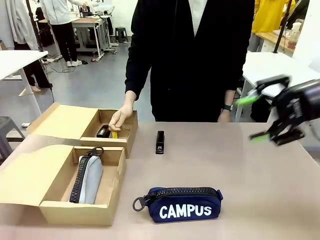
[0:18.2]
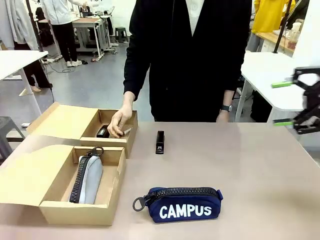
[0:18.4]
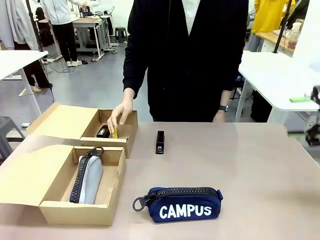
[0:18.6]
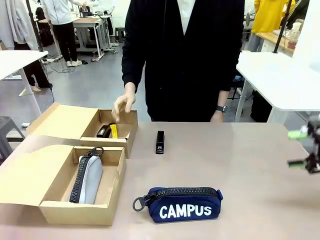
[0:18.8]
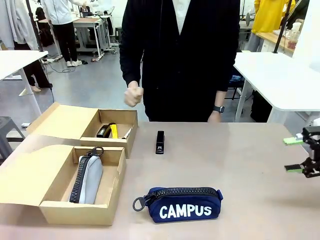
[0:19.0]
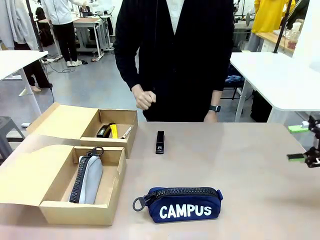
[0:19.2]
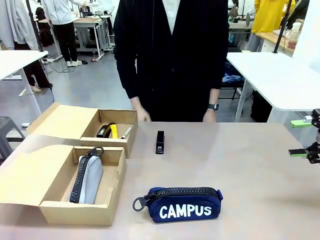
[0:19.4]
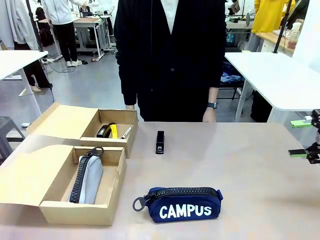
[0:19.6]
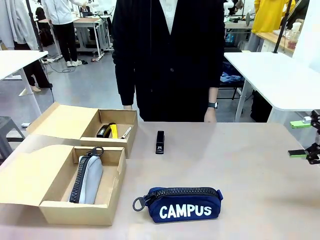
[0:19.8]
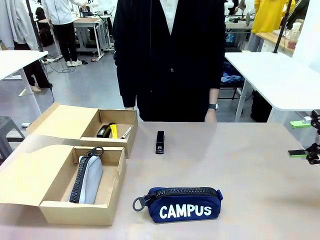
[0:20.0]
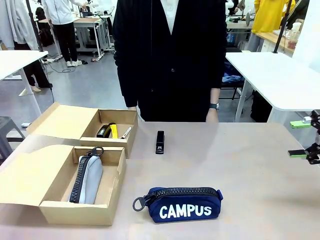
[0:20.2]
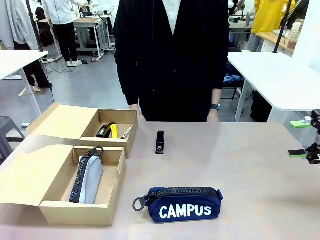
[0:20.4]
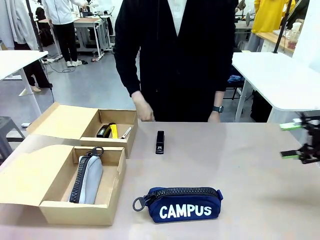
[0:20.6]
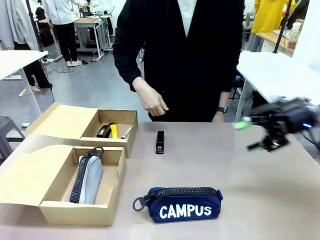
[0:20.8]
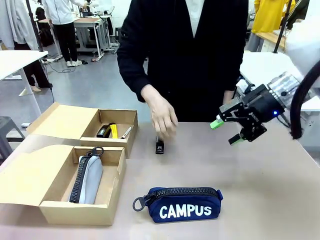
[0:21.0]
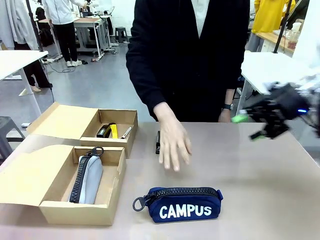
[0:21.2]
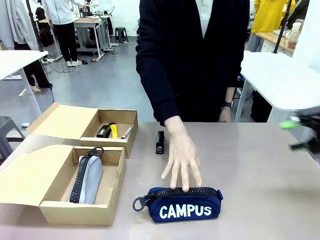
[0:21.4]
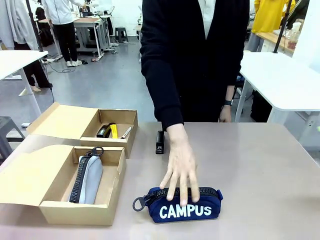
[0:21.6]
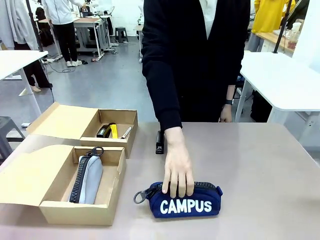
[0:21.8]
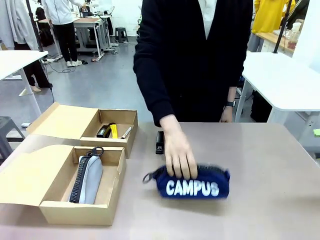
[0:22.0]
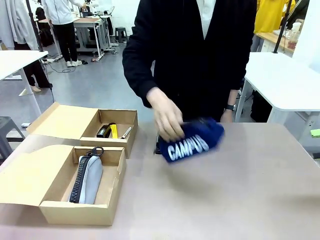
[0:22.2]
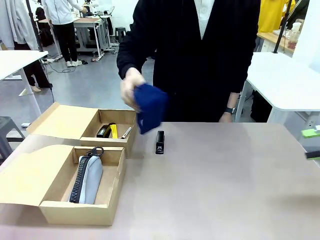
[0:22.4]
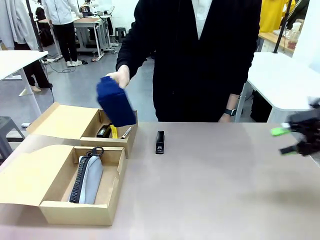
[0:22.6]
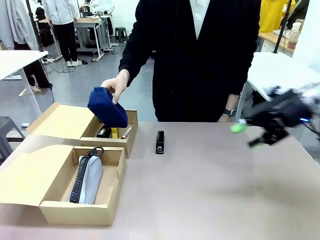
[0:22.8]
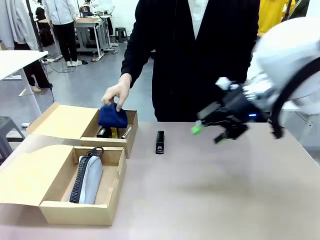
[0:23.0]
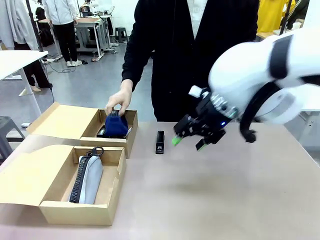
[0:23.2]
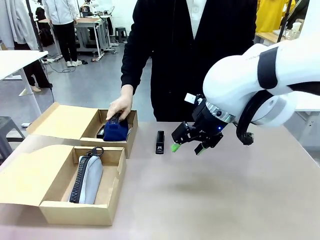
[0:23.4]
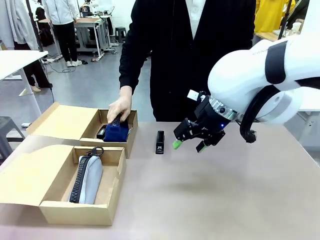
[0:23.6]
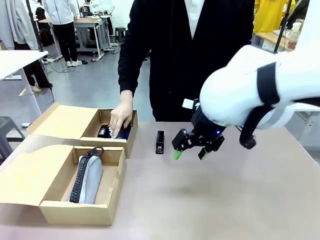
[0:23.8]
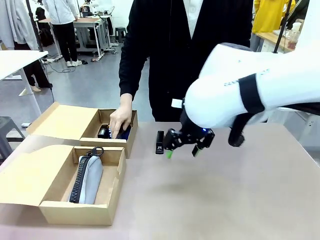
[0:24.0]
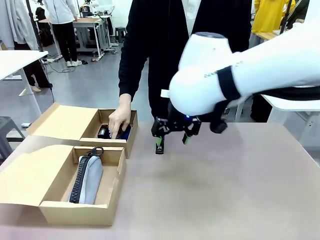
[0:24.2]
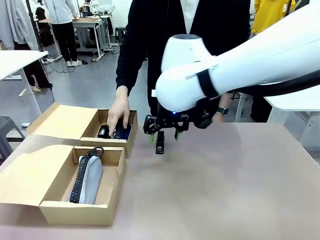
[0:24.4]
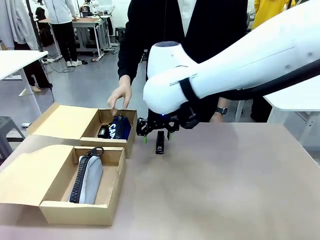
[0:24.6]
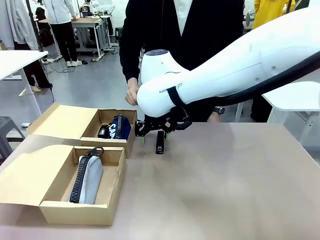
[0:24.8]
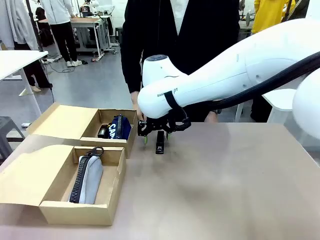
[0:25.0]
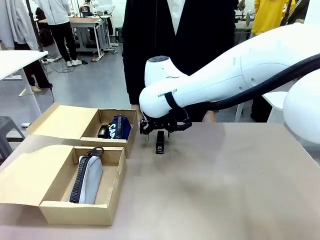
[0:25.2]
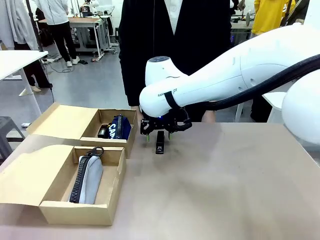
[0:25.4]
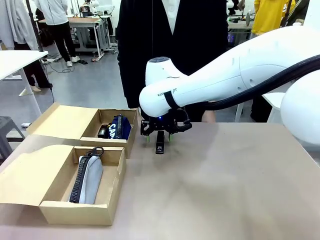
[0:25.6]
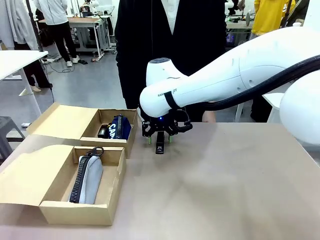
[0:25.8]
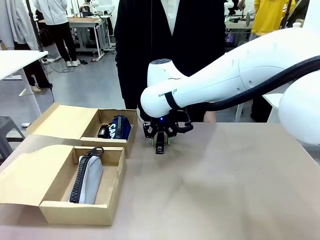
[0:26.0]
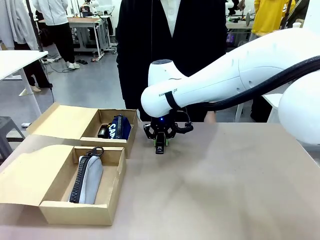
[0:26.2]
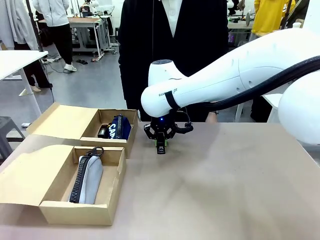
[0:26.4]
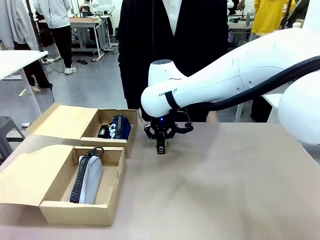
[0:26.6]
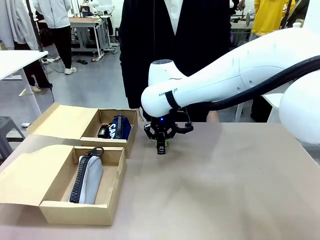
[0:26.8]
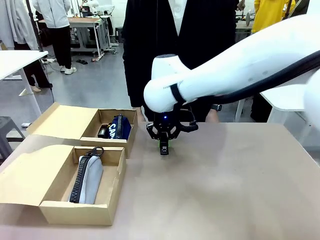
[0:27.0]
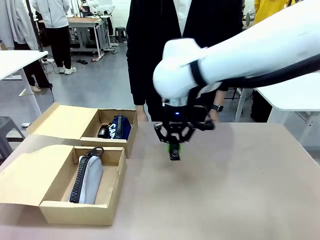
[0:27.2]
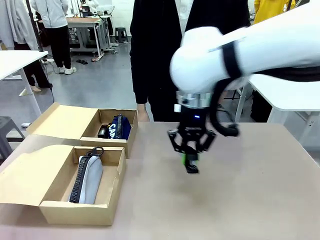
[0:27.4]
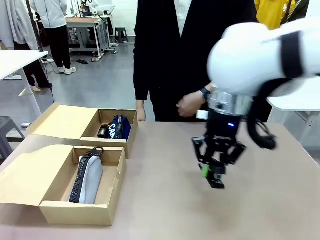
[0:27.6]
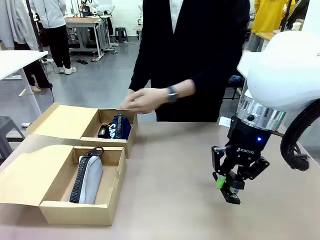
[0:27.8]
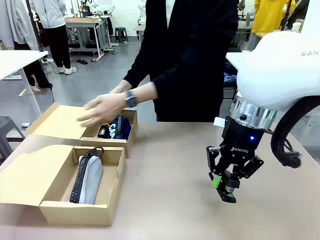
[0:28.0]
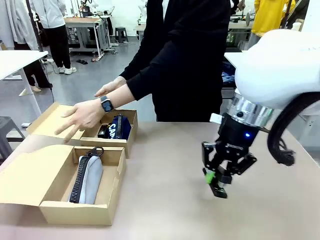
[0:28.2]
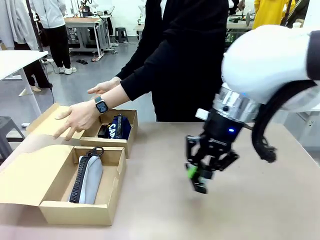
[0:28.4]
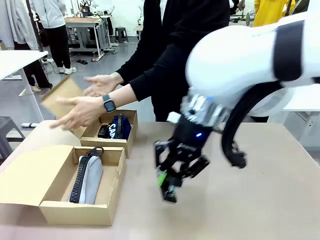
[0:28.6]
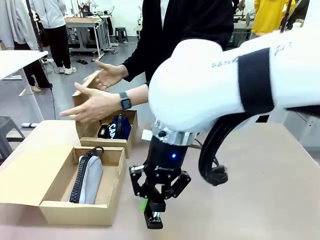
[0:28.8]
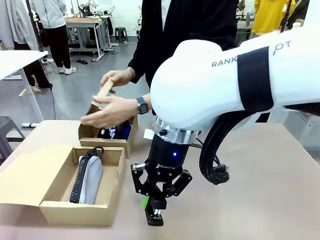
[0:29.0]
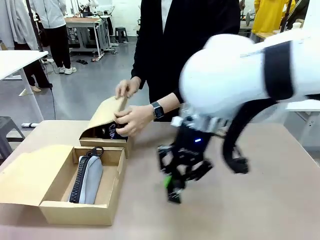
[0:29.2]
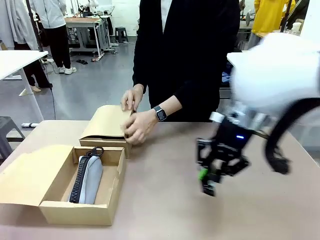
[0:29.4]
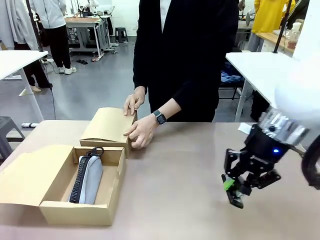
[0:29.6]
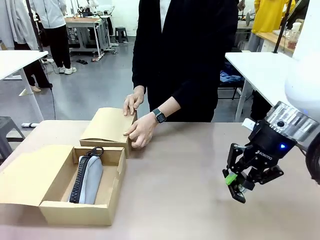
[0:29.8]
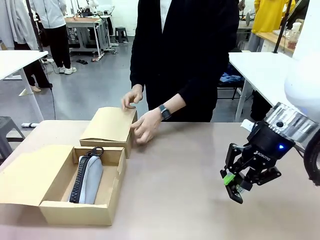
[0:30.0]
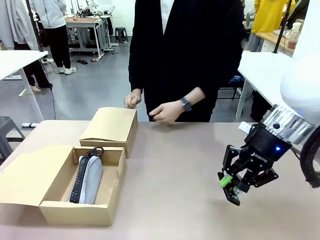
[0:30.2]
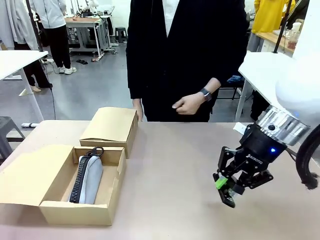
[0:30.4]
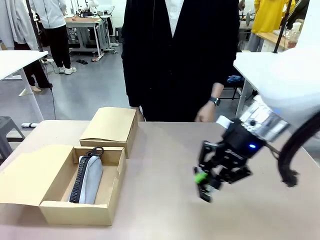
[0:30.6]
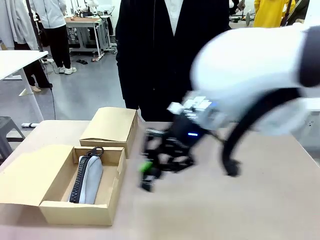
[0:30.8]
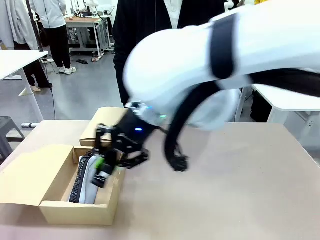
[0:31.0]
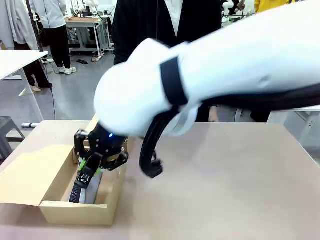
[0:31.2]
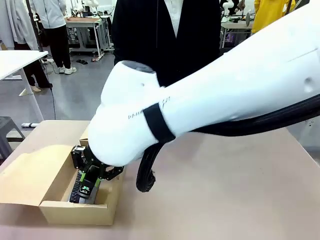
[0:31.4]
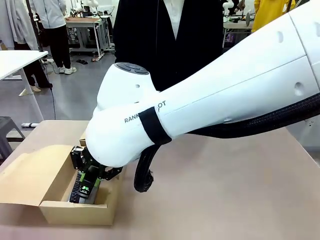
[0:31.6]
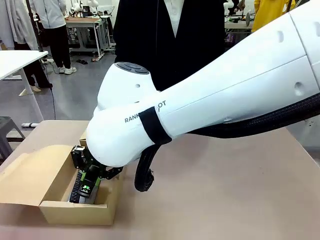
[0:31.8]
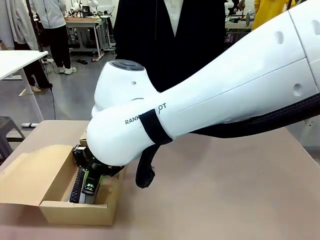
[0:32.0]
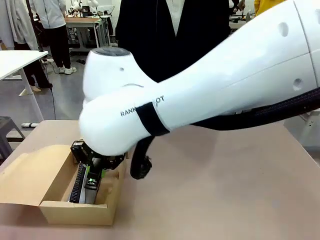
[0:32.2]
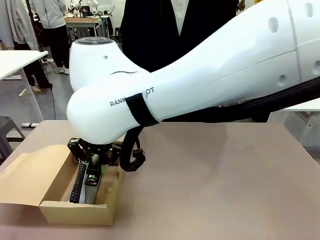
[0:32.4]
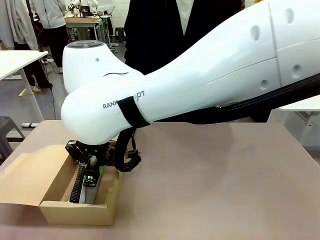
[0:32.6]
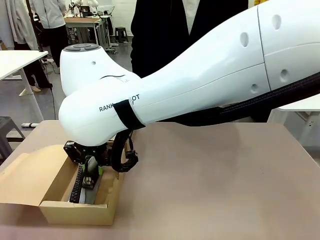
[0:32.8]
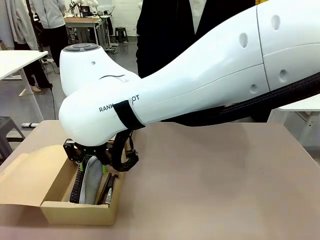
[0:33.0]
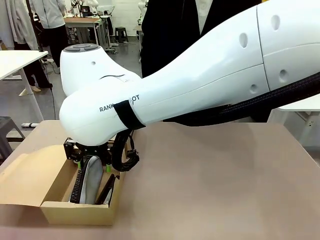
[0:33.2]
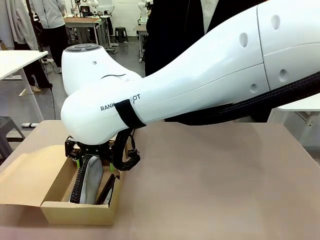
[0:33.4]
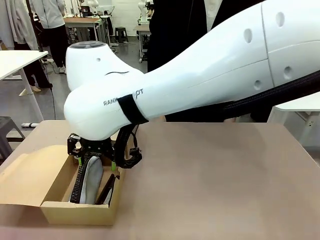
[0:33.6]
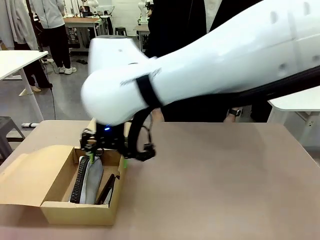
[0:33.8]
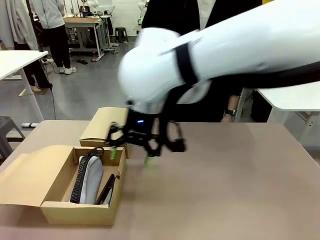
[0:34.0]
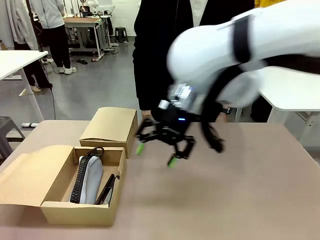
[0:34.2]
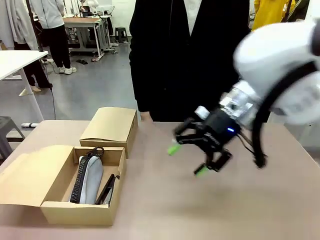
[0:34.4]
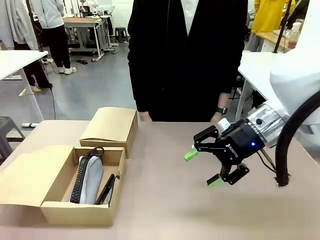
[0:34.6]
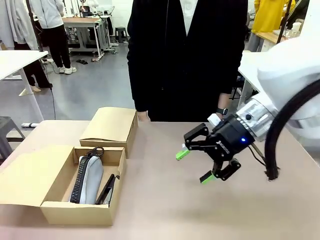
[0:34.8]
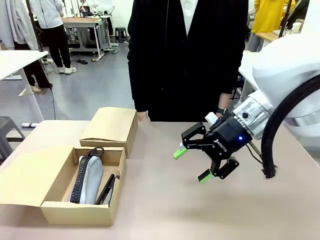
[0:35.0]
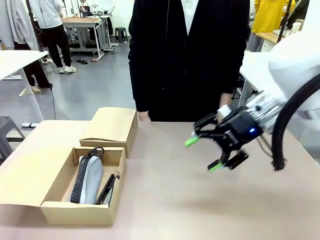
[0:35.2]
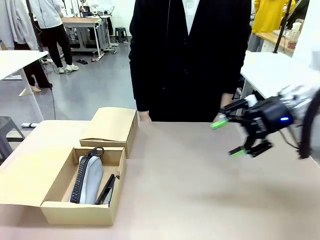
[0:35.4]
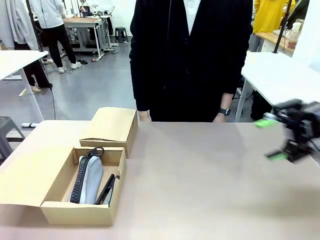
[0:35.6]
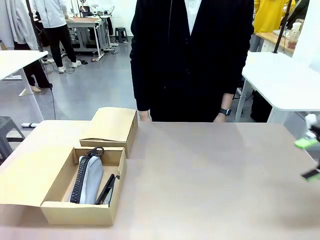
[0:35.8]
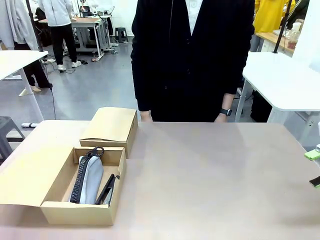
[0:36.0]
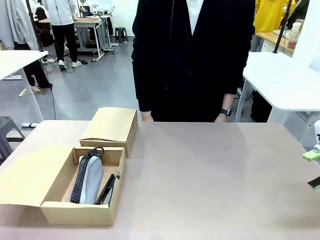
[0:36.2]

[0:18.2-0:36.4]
Task: Place items inside the box.
Robot: Pick up a Pencil pouch or Stapler and place it inside the Mailer Box closest to the robot.
